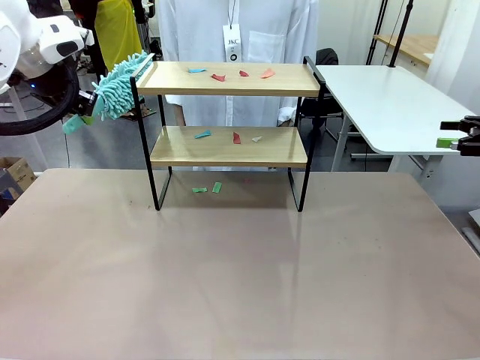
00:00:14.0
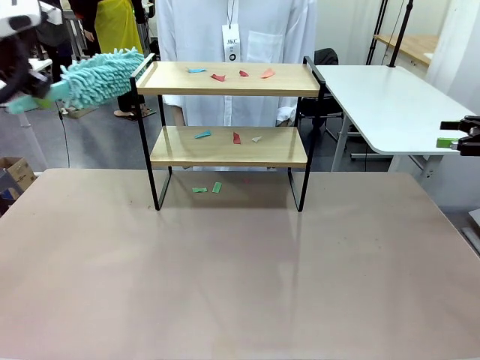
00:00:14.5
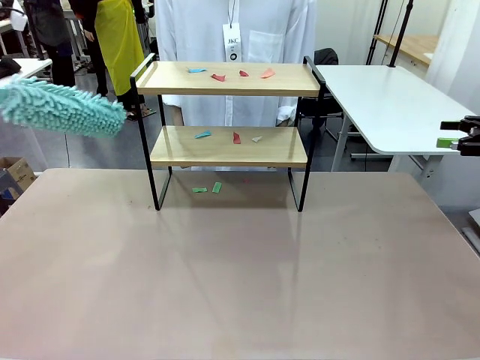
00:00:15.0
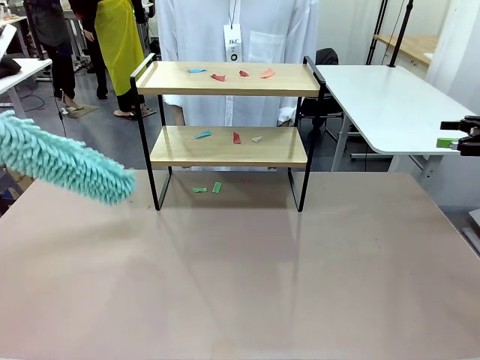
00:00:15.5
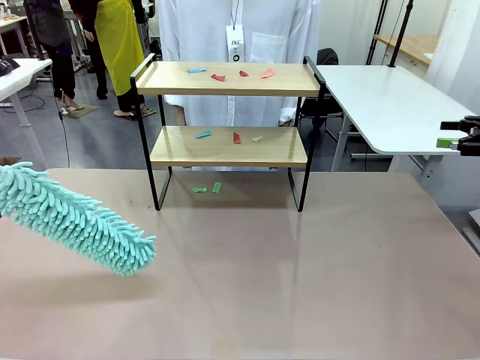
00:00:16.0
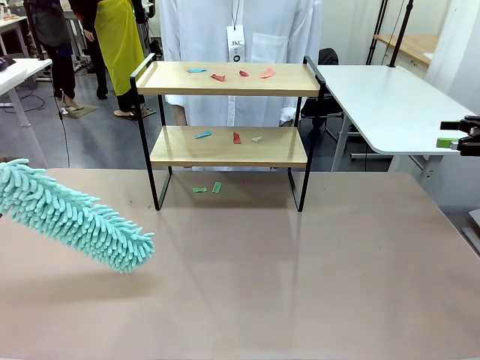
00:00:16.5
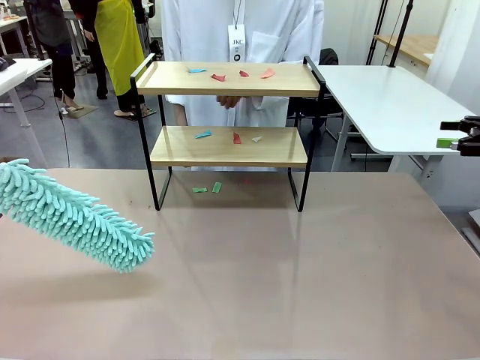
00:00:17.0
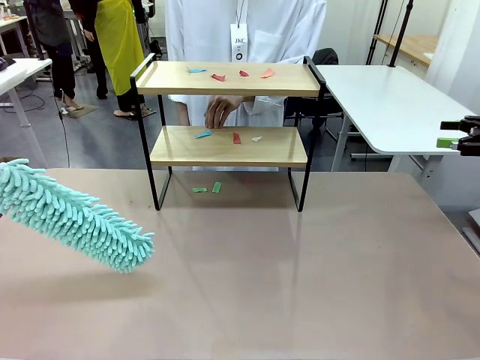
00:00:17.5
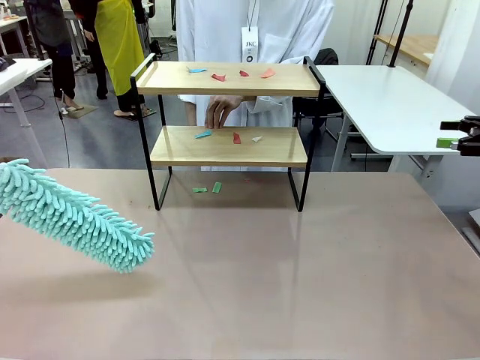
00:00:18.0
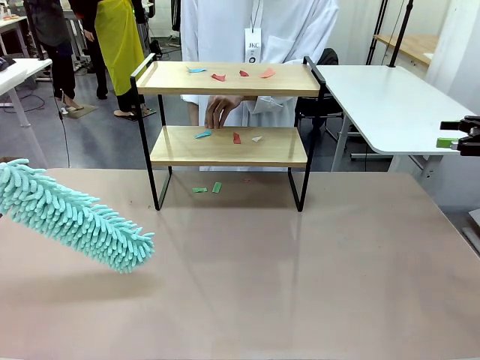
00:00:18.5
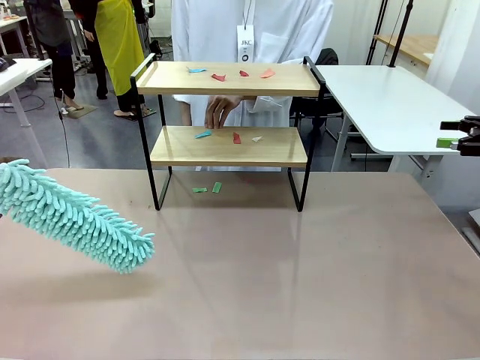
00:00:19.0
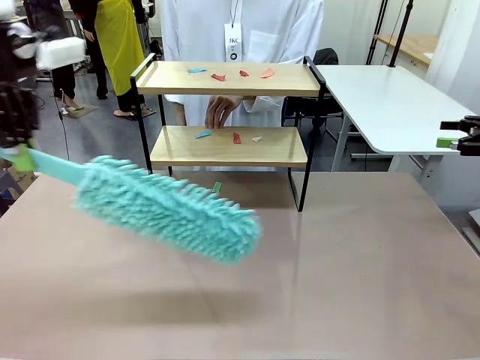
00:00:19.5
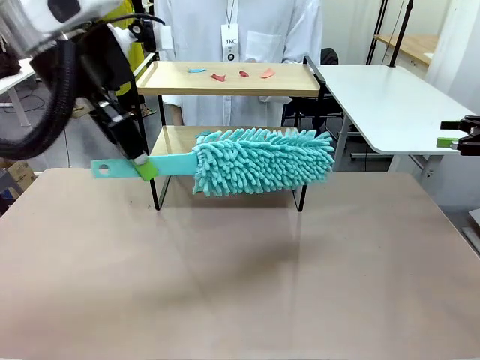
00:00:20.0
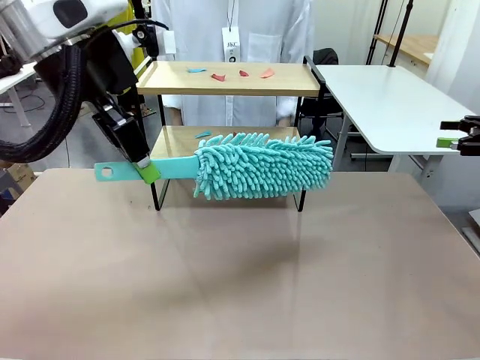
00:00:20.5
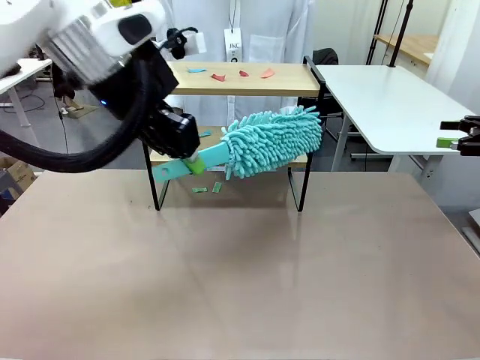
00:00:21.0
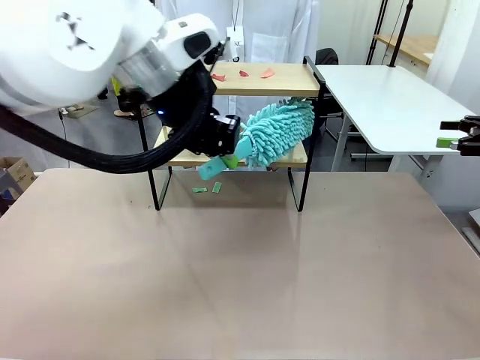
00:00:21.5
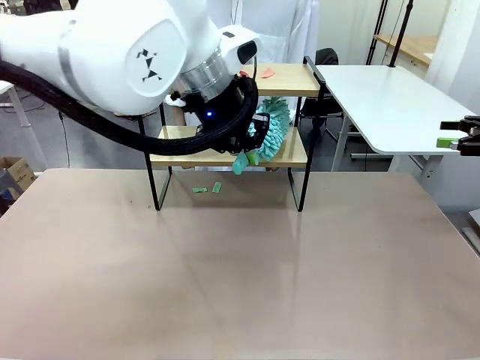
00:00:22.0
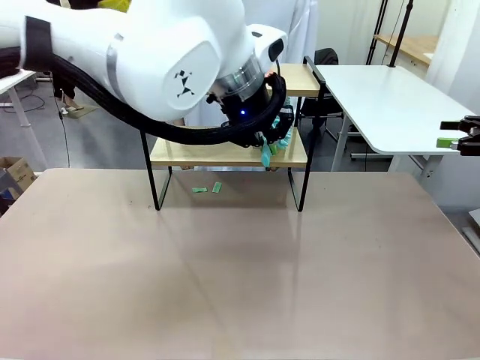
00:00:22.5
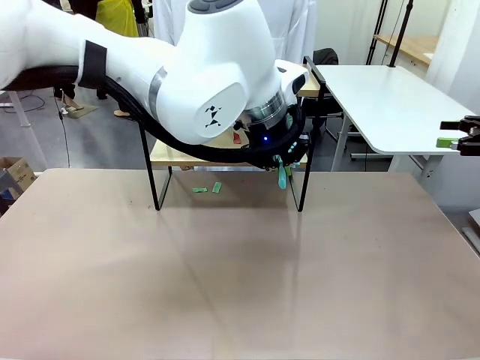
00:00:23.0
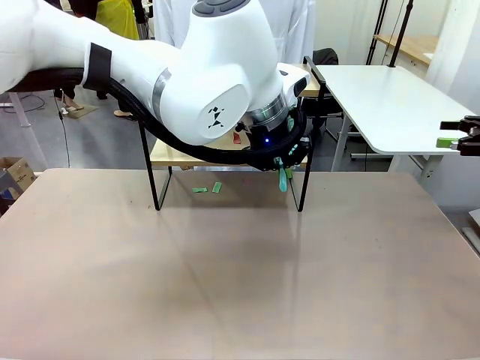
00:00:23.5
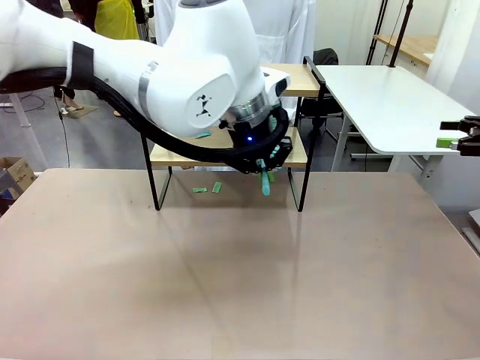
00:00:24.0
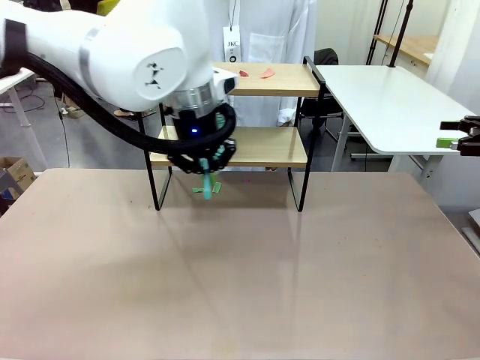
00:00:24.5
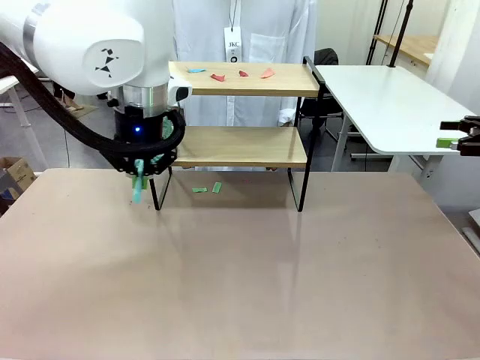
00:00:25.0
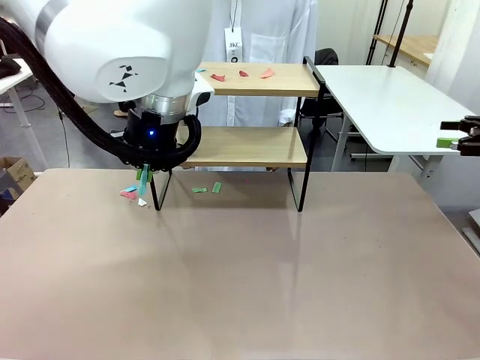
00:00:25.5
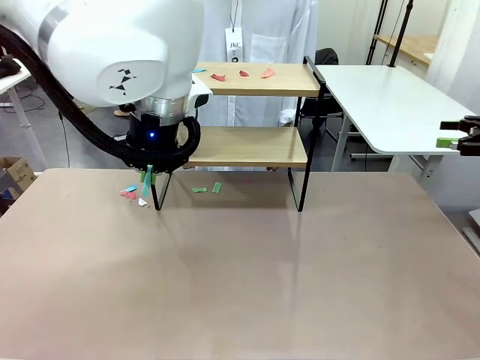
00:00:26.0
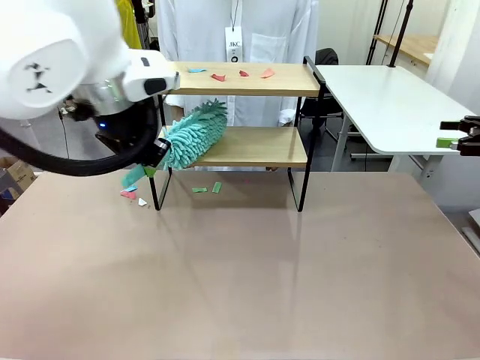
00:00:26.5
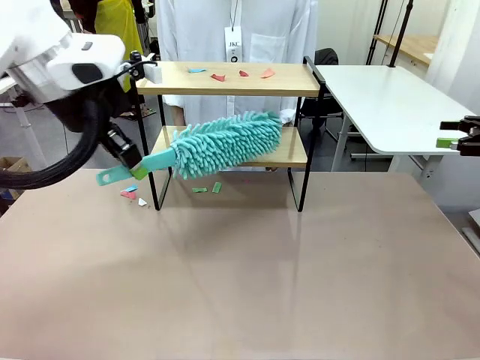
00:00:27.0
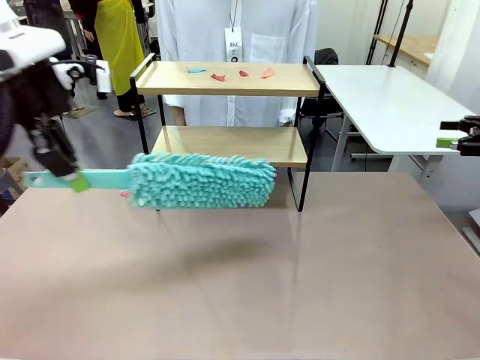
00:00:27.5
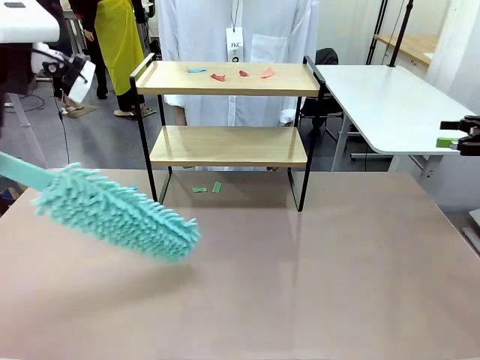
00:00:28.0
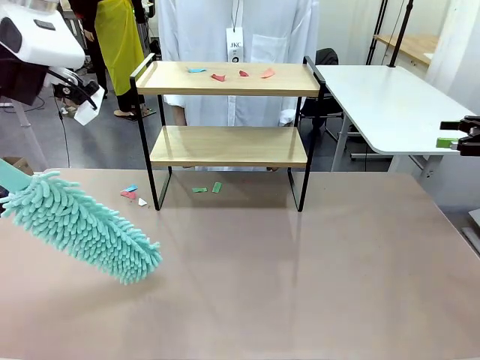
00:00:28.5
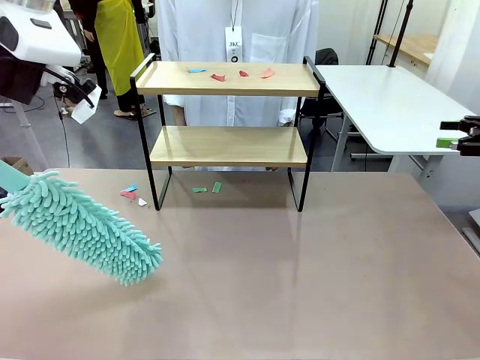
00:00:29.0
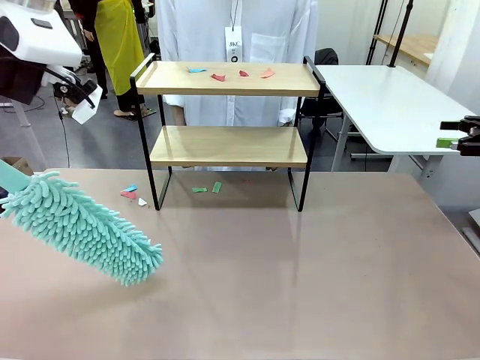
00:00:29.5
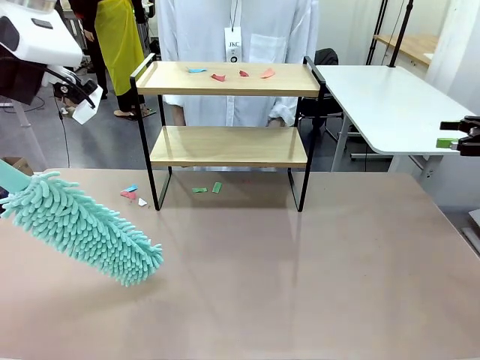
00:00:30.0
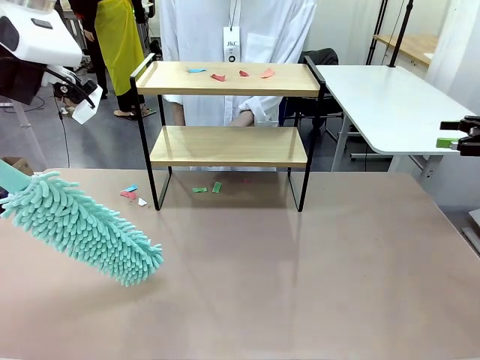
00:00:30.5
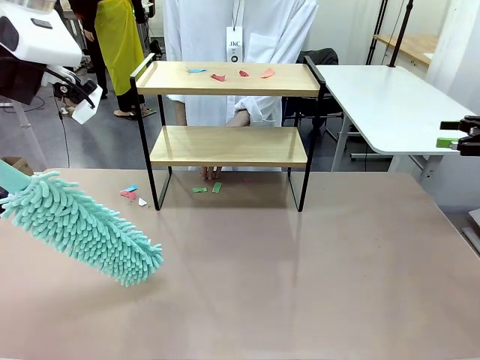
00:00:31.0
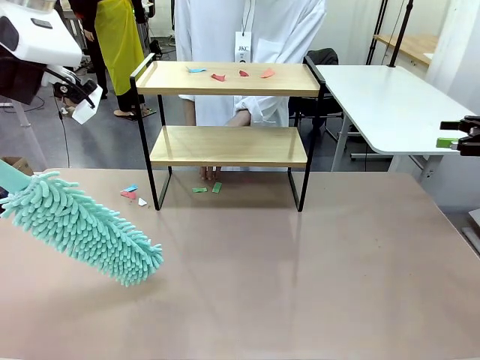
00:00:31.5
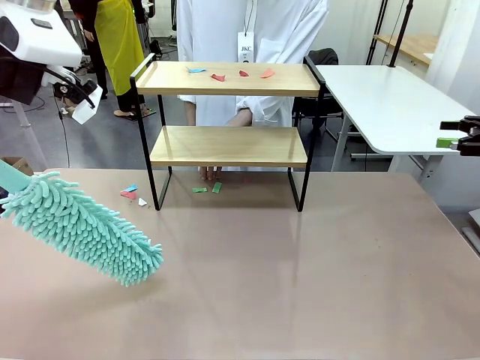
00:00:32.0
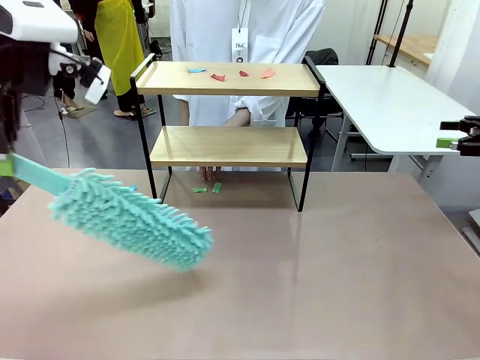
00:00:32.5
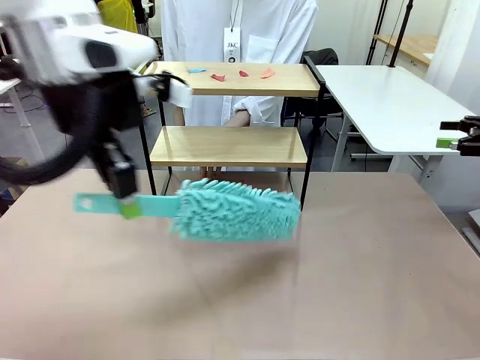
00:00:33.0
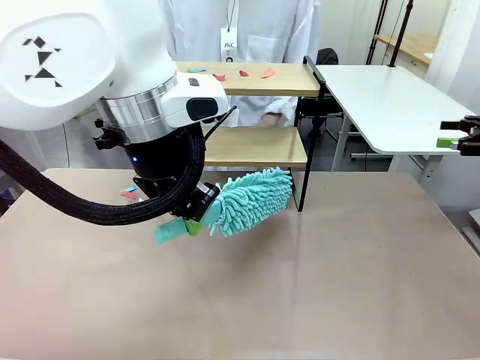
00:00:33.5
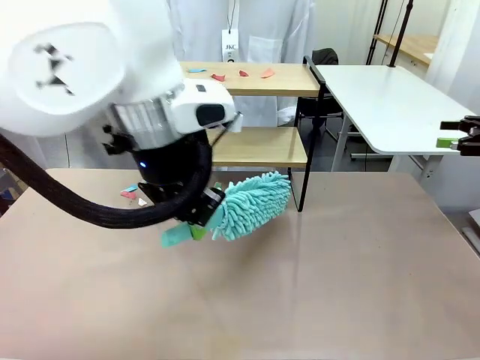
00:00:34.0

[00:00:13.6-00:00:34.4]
Task: Clean the shelf.
Robot: Clean the specific section of the Shelf indicated by the human with the Duster.
Person: Point a random section of the Shelf.
